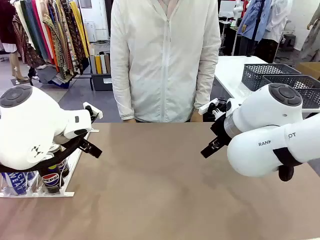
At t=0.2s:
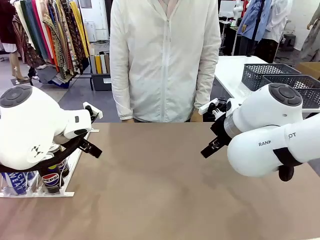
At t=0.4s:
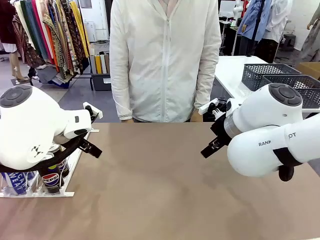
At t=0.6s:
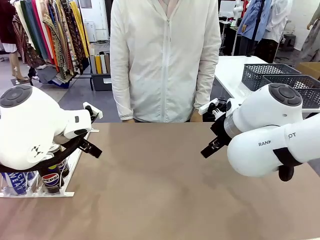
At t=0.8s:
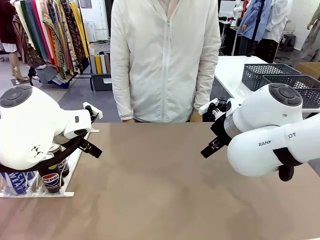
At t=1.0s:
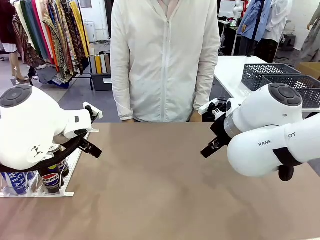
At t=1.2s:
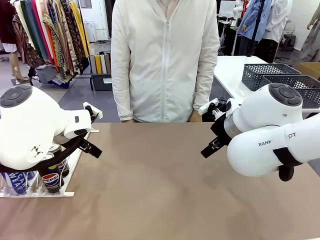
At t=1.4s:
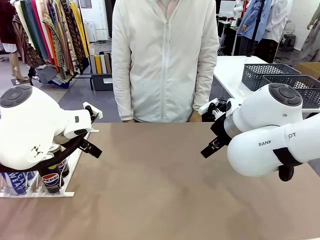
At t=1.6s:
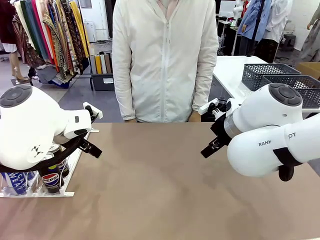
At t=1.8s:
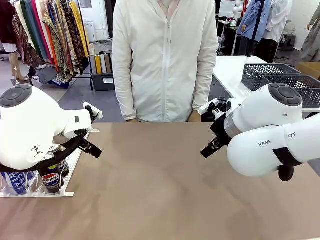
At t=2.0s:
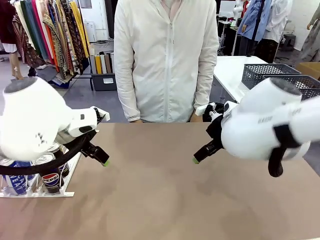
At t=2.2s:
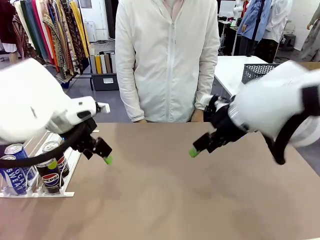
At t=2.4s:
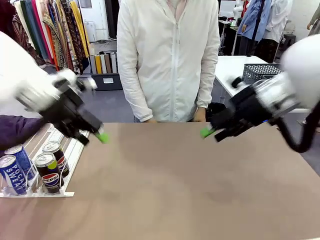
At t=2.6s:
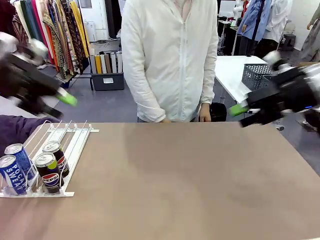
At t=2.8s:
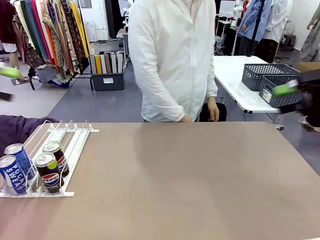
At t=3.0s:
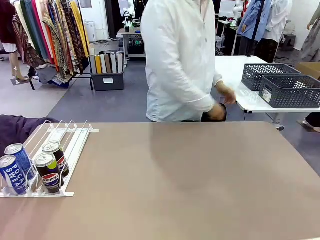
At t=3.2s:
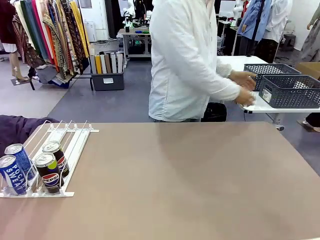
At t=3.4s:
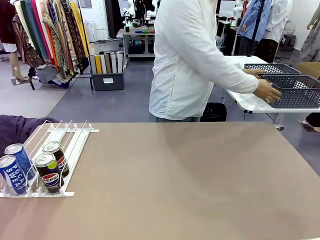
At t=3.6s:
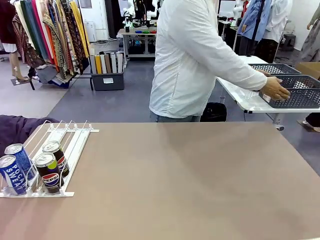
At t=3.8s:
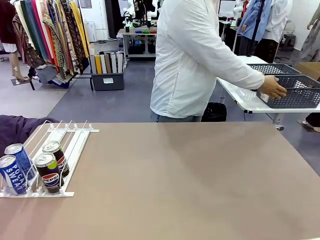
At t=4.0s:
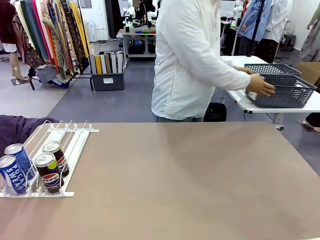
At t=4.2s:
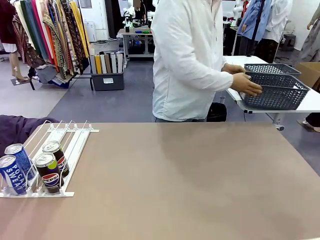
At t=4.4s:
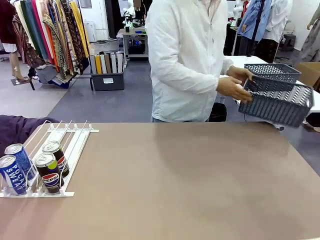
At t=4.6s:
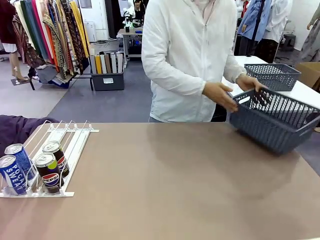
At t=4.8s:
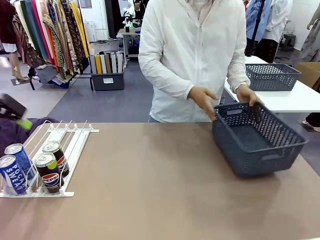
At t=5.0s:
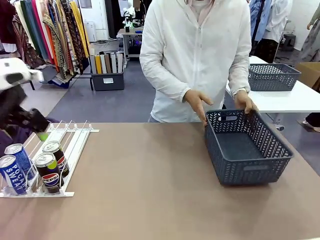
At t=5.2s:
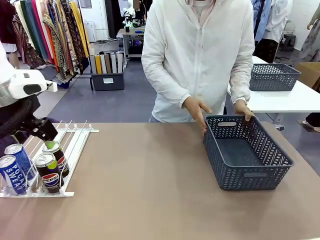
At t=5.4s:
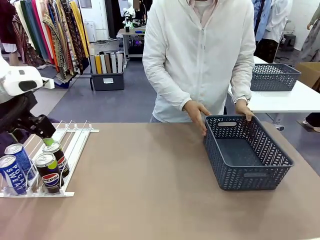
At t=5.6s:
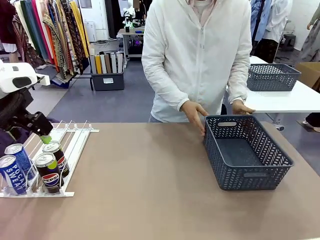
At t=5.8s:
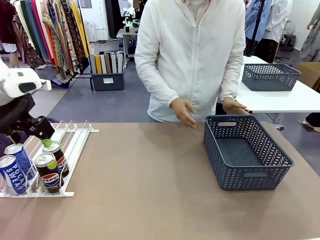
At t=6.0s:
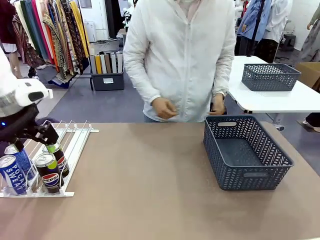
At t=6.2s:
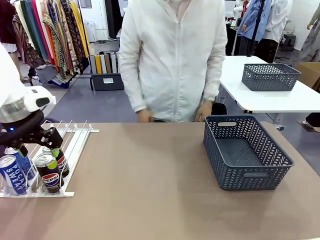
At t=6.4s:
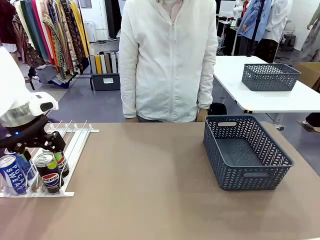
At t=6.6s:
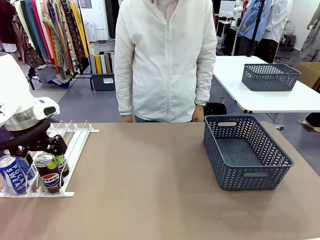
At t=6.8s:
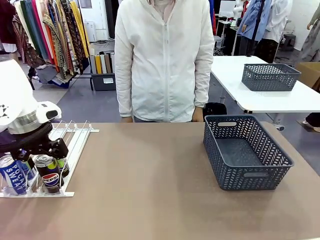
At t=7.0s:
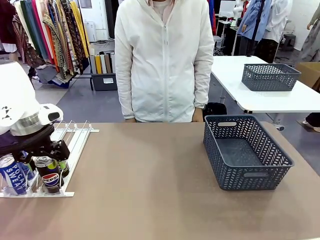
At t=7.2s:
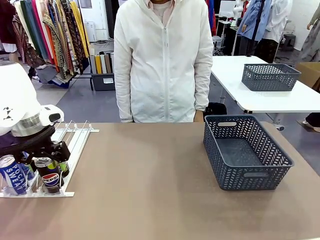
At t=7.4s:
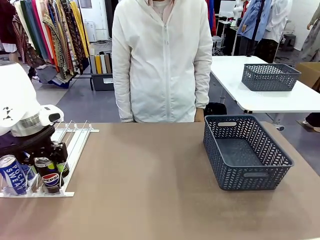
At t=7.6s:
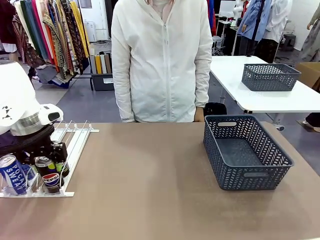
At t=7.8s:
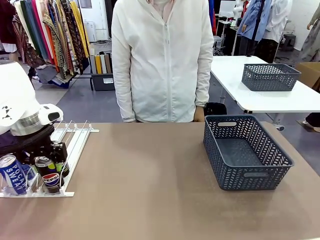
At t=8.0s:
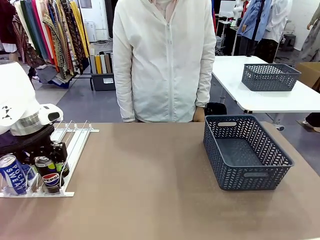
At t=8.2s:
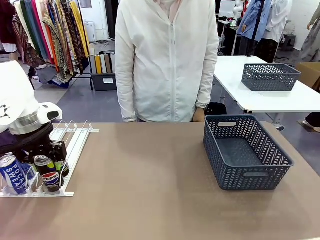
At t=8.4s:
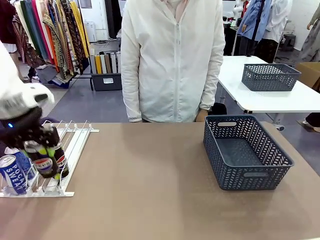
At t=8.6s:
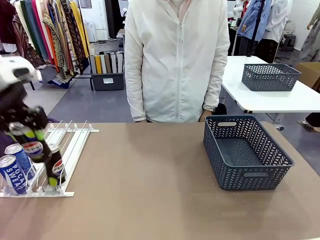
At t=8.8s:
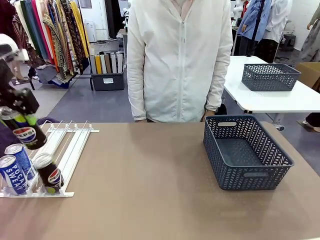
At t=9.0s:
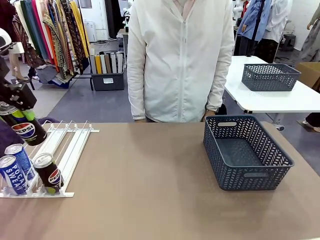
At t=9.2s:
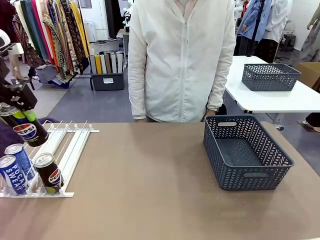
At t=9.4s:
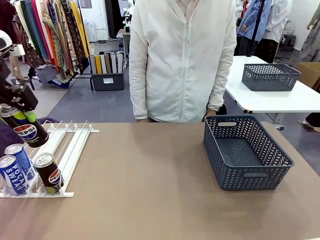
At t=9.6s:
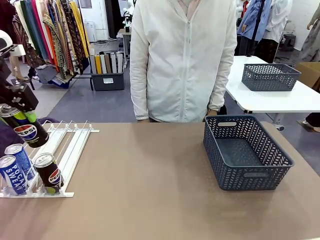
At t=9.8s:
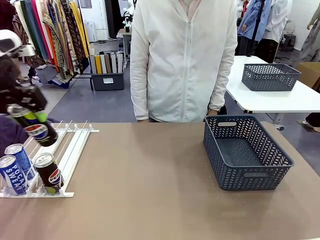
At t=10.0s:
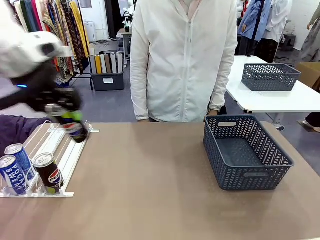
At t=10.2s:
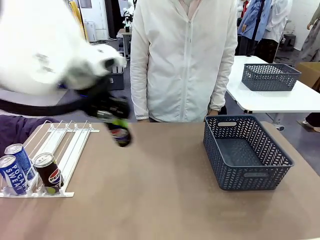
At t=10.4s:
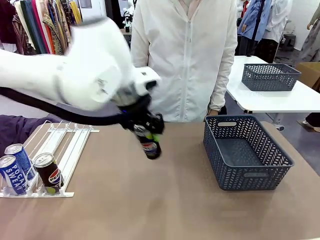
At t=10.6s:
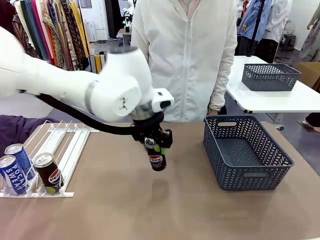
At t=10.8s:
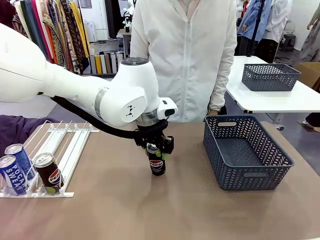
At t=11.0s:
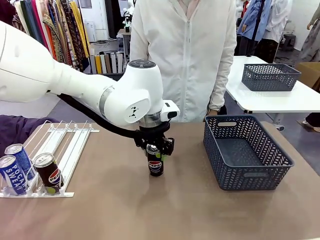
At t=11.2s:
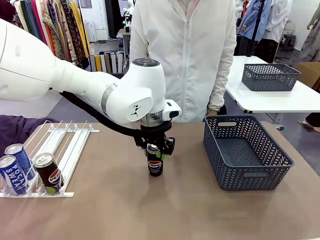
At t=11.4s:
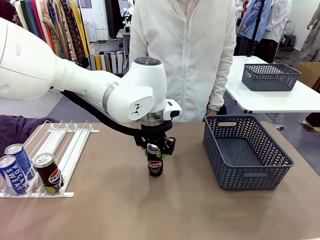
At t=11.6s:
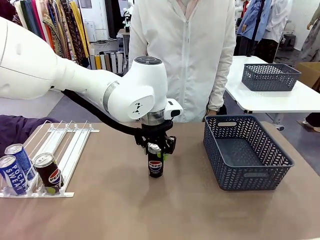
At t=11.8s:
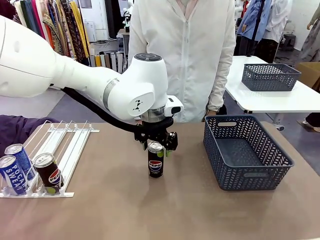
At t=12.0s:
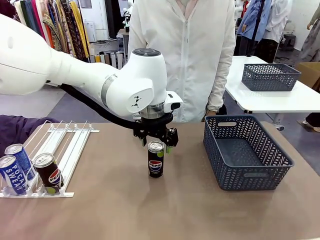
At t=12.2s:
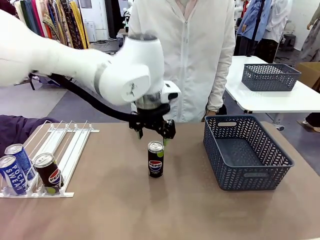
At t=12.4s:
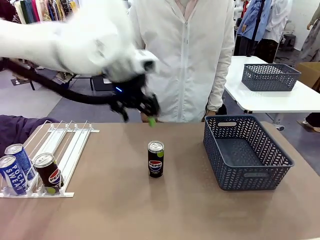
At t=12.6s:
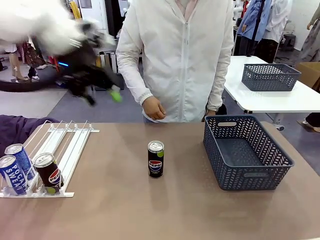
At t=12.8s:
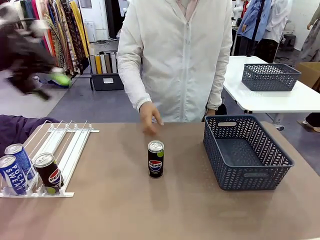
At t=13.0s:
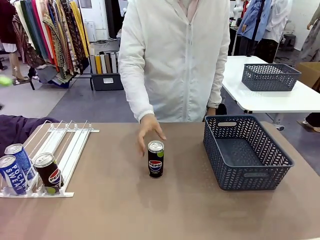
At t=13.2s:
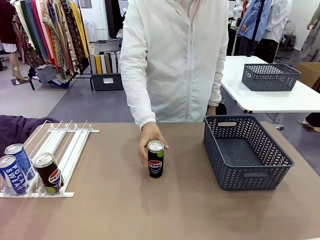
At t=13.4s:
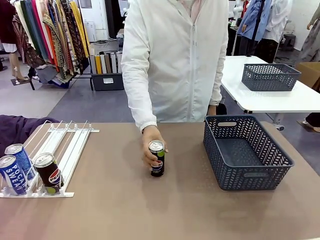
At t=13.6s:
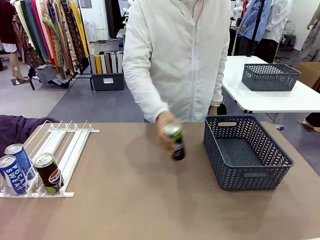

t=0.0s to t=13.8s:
Task: Retrieve and store the cans from the dispenser.
Robot: Pick up one can from the Automatic Can Dispenser and place it in the middle of the table.
Person: Pick up the basket and place it on the left side of the robot table.

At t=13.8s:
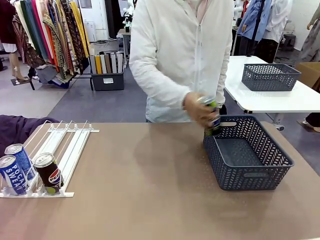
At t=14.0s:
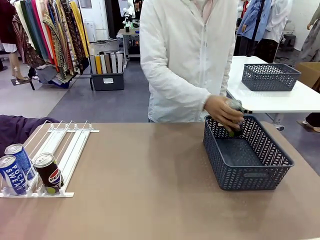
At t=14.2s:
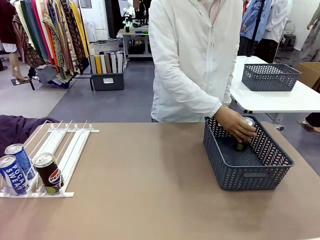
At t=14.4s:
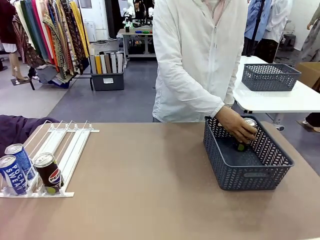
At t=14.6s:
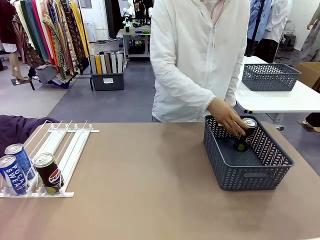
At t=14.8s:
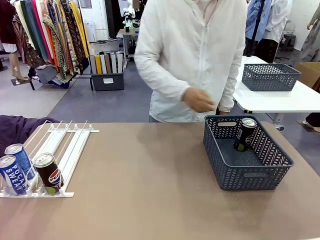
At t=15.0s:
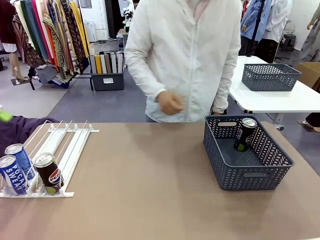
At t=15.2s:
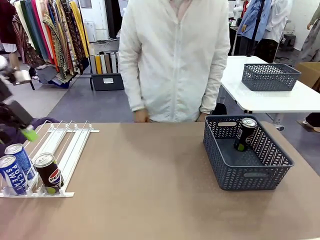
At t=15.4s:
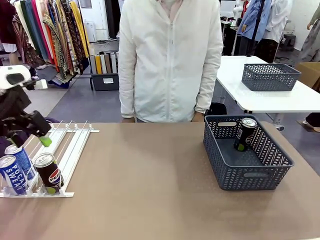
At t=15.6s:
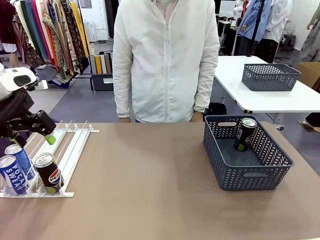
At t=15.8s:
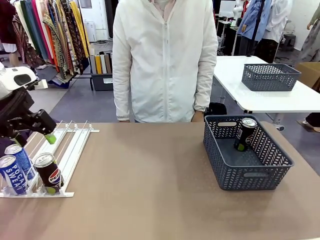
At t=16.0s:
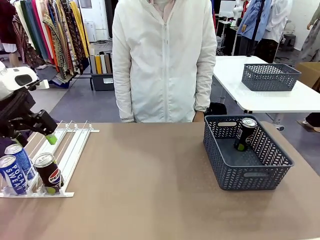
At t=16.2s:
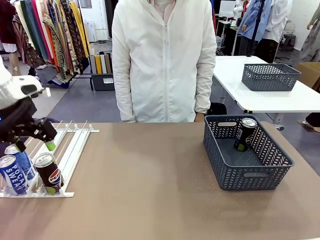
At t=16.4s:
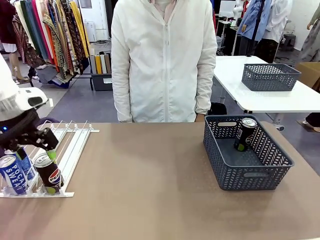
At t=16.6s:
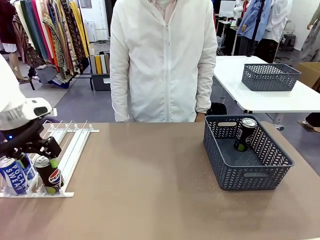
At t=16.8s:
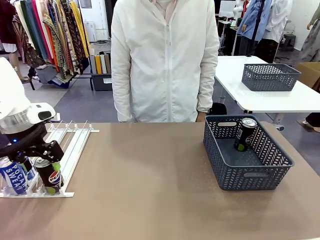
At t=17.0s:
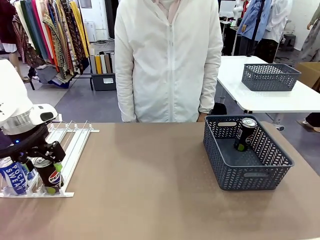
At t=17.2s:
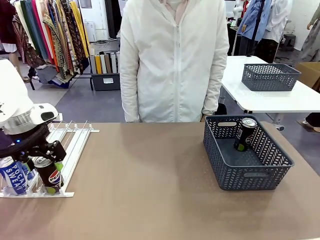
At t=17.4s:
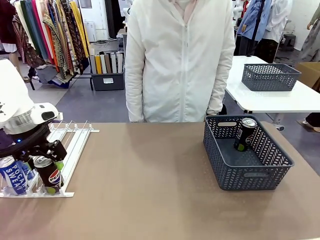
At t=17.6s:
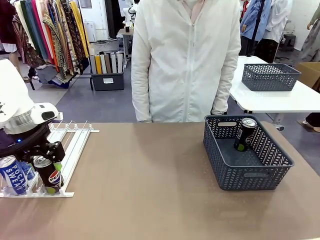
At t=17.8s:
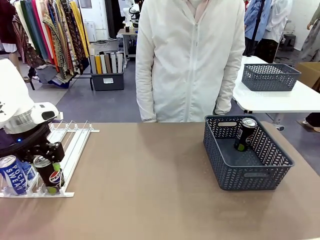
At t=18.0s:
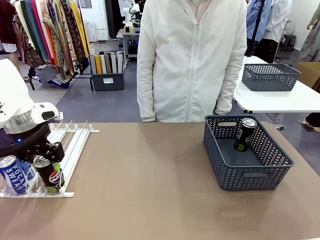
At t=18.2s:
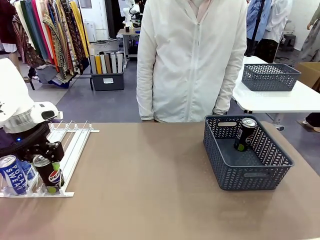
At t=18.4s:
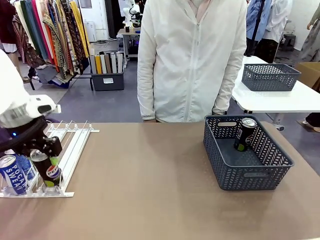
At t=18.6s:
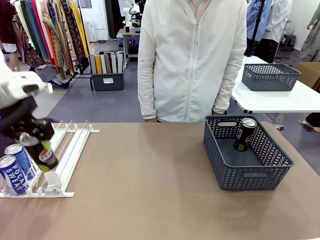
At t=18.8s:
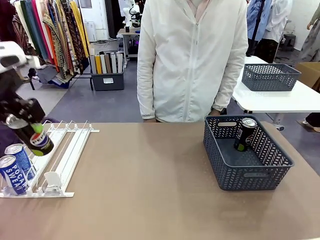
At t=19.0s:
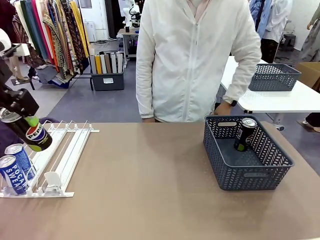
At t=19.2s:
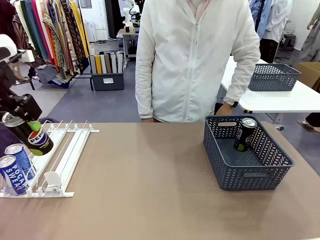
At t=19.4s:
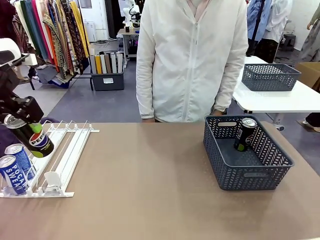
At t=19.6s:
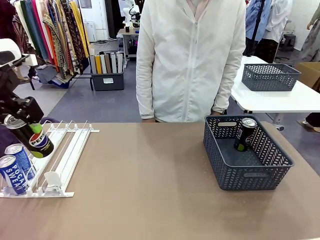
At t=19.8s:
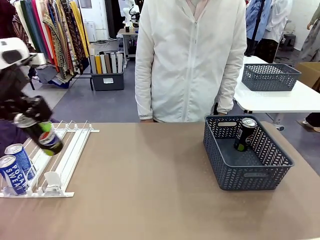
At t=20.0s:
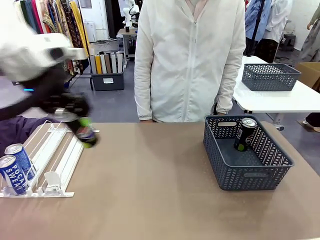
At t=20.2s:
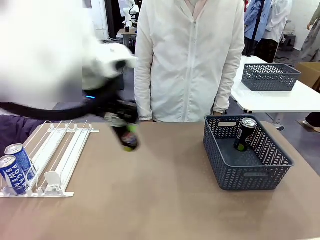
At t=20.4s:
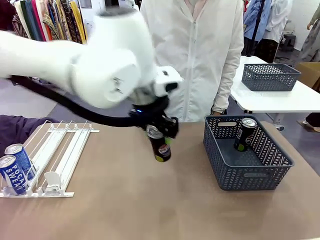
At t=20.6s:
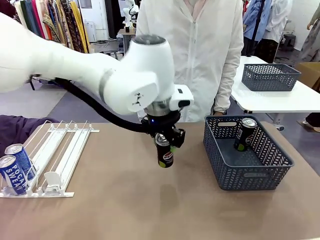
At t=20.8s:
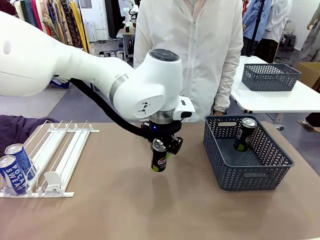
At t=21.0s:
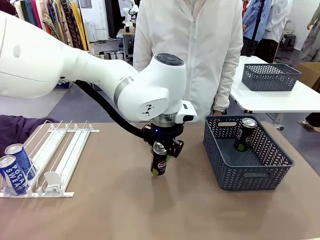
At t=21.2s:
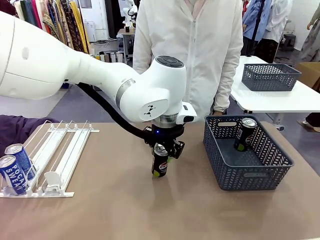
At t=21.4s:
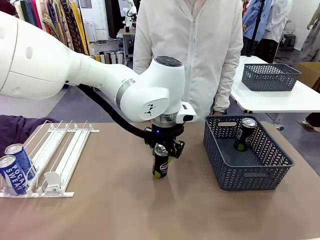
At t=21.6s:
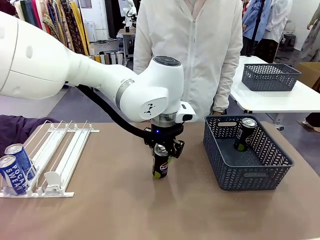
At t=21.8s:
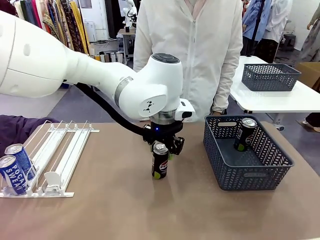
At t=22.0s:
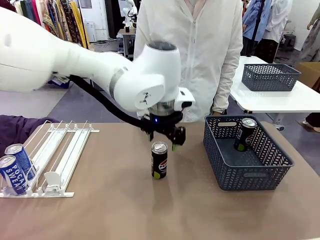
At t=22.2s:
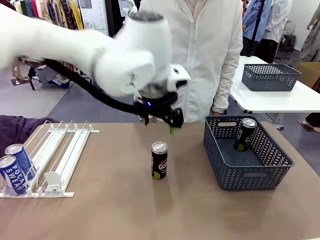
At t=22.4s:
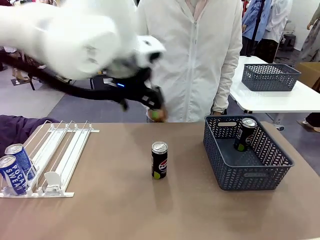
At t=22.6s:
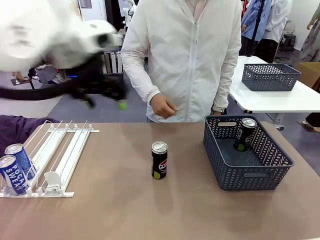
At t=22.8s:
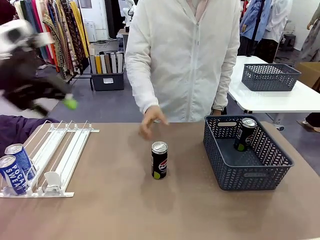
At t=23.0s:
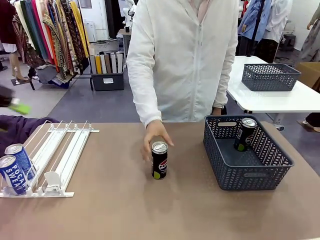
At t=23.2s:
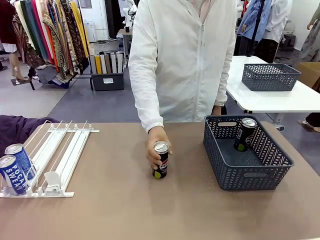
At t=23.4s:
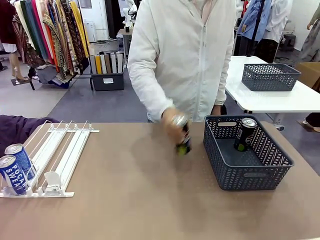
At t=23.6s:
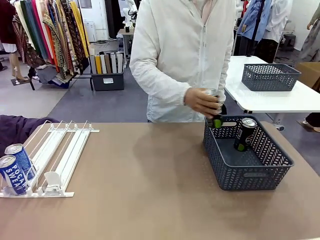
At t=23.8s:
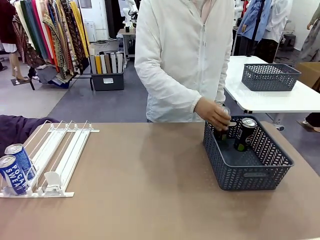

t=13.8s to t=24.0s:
Robot: Pick up the last remaining can from one row of the Automatic Can Dispenser and place it in the middle of the table.
Person: Pick up one Pepsi can from the middle of the robot table and place it in the basket.
